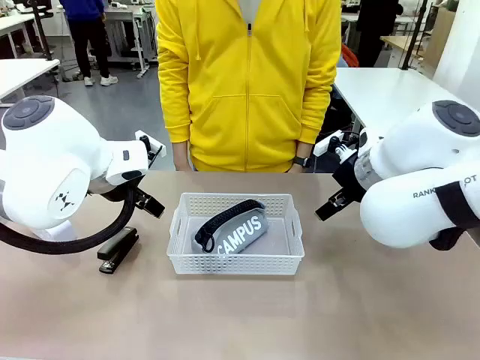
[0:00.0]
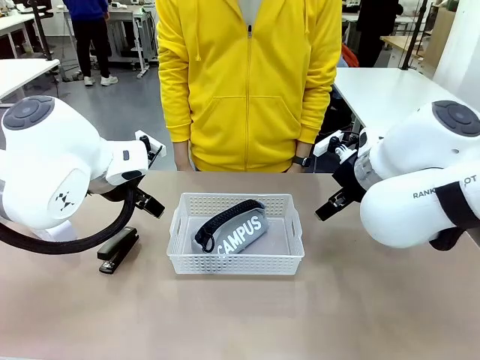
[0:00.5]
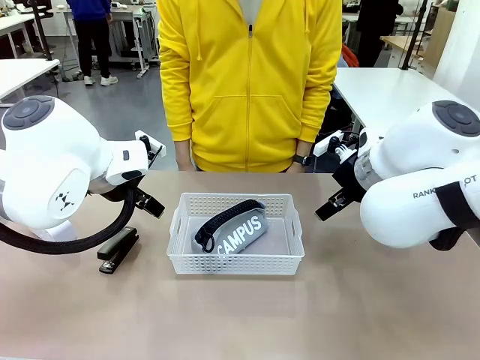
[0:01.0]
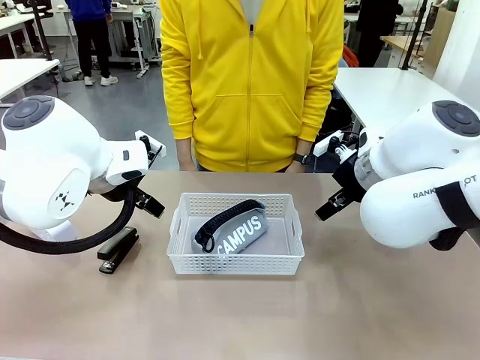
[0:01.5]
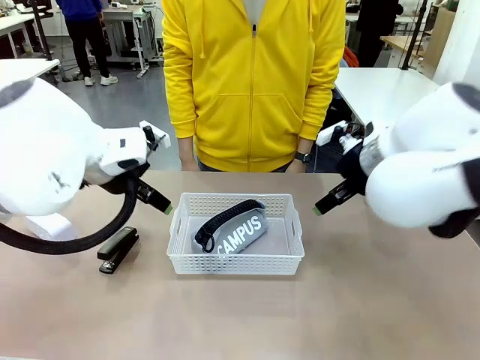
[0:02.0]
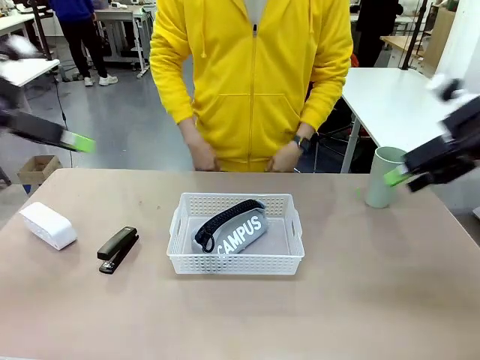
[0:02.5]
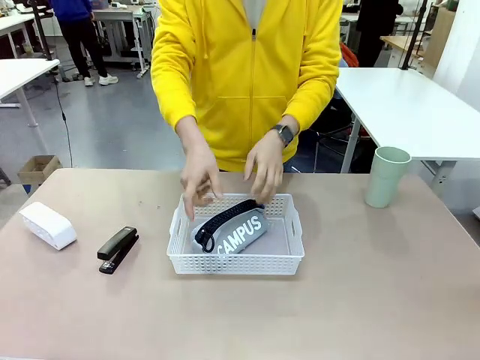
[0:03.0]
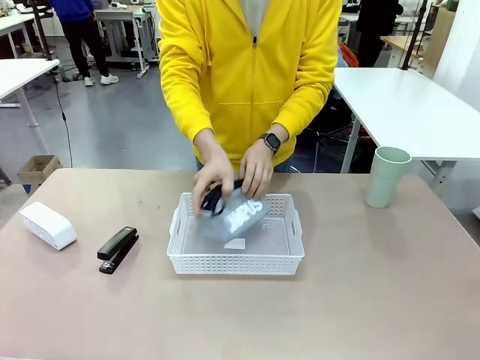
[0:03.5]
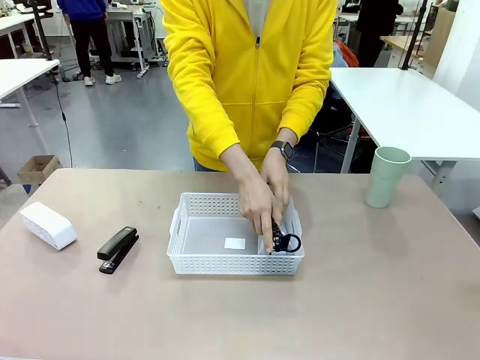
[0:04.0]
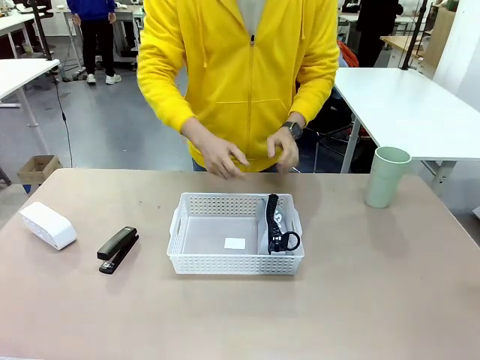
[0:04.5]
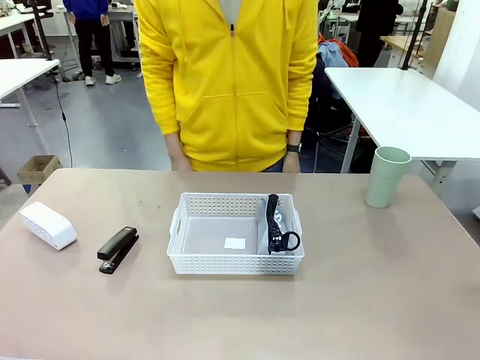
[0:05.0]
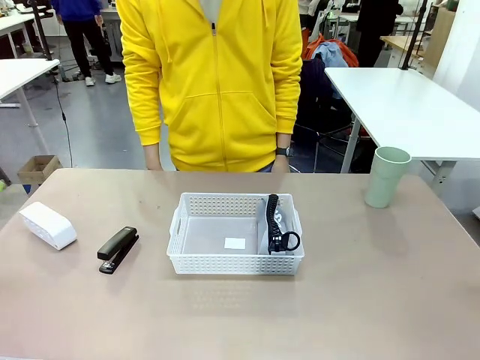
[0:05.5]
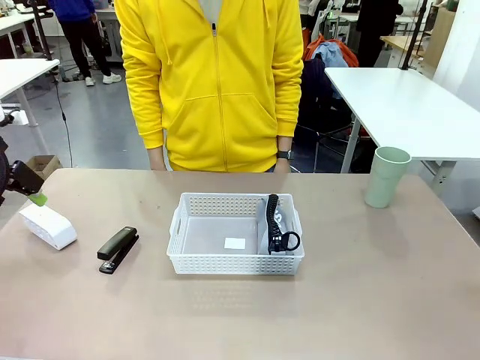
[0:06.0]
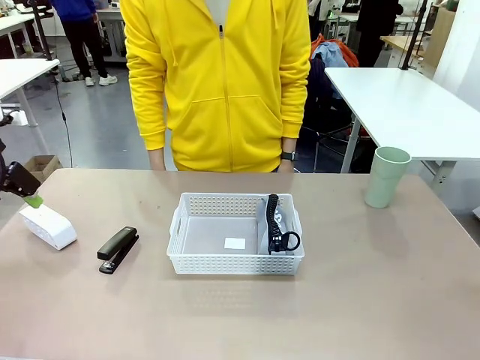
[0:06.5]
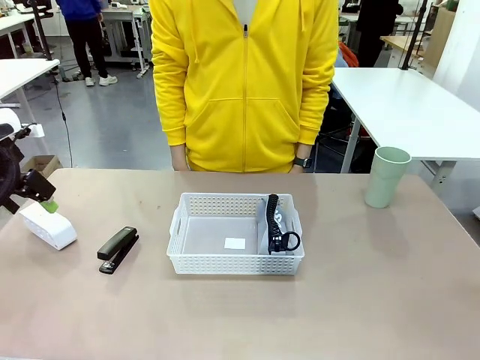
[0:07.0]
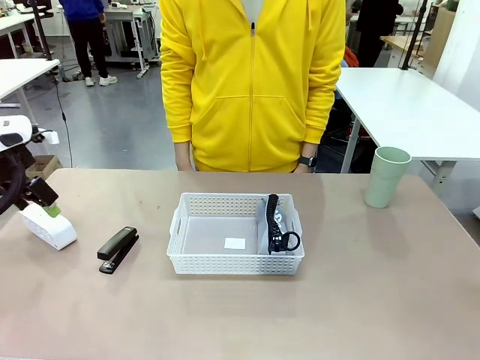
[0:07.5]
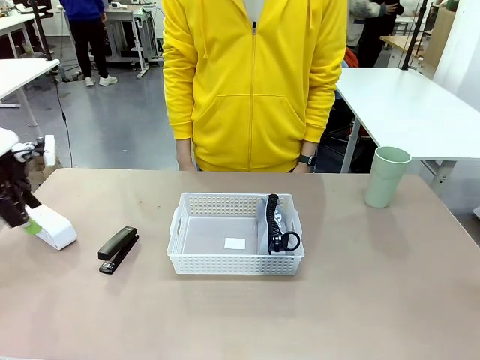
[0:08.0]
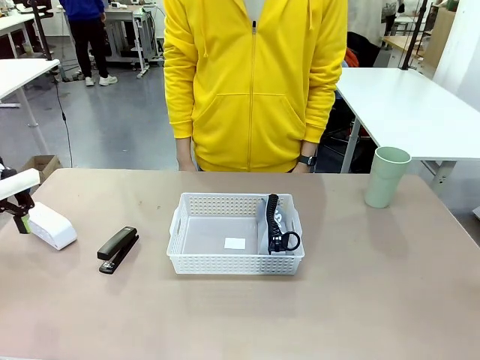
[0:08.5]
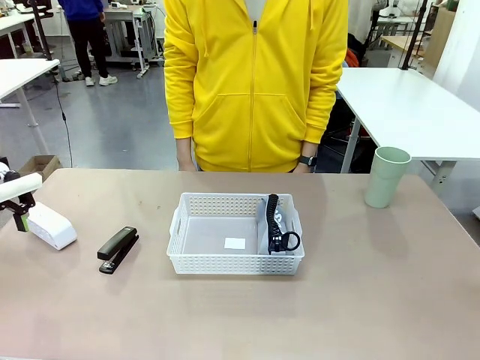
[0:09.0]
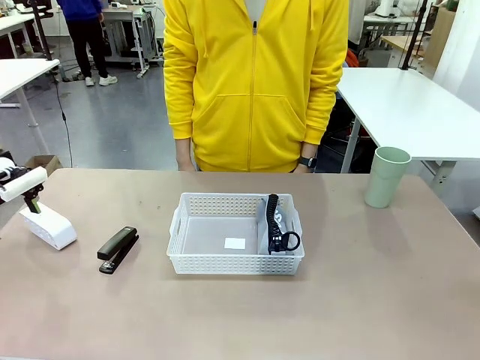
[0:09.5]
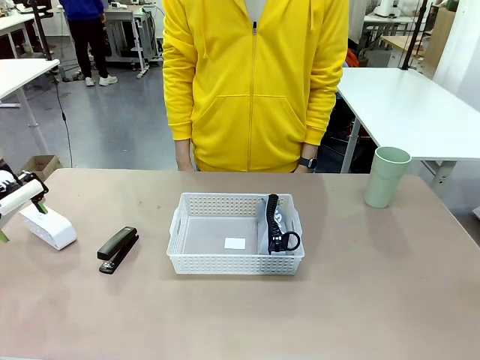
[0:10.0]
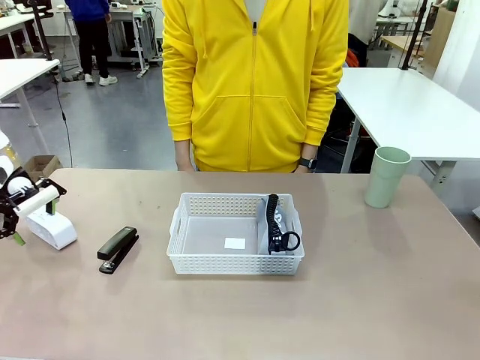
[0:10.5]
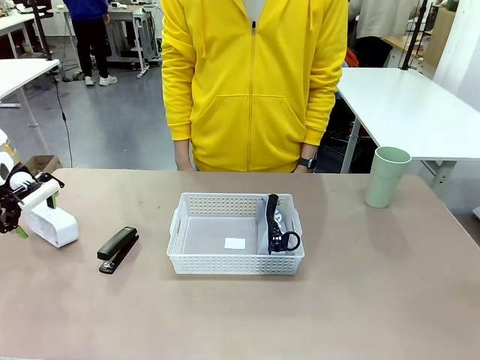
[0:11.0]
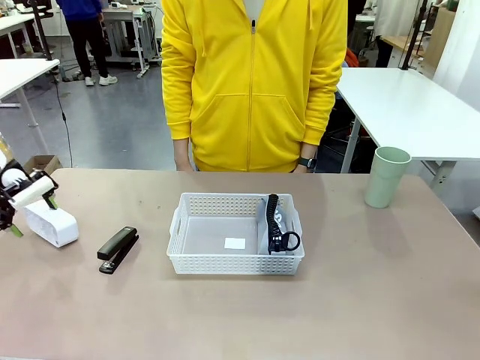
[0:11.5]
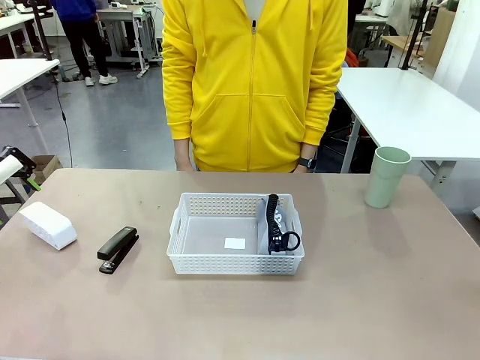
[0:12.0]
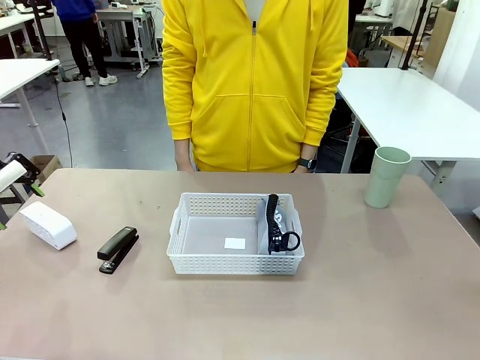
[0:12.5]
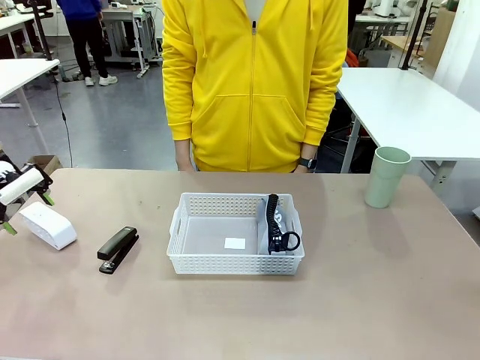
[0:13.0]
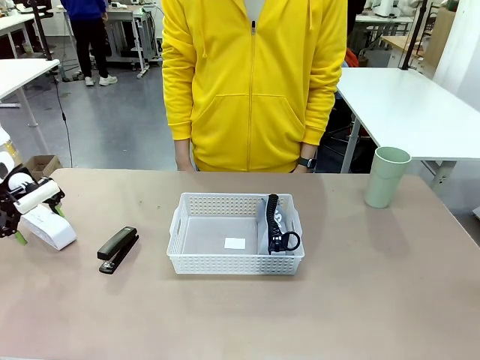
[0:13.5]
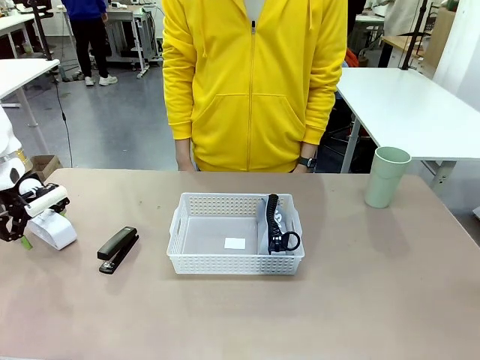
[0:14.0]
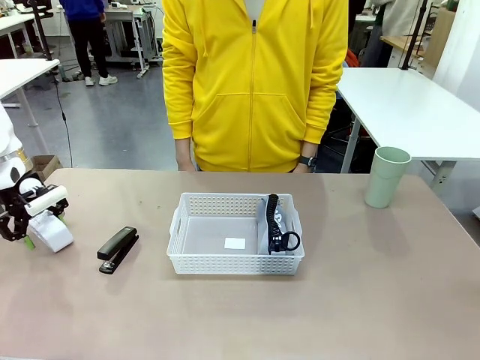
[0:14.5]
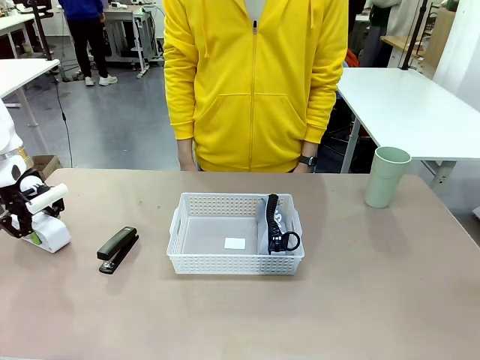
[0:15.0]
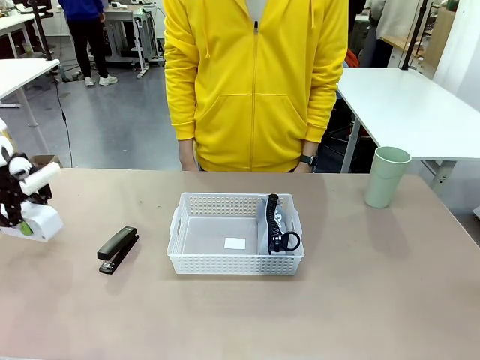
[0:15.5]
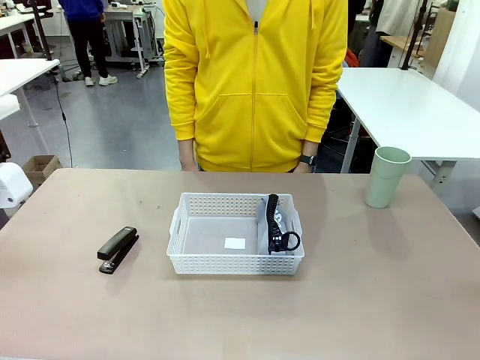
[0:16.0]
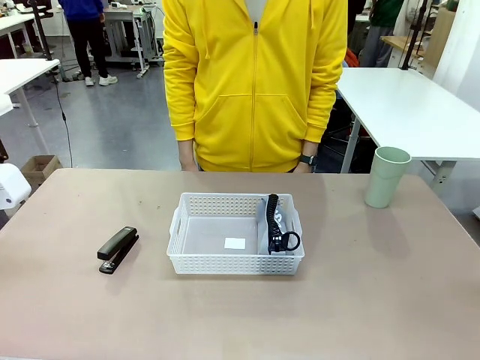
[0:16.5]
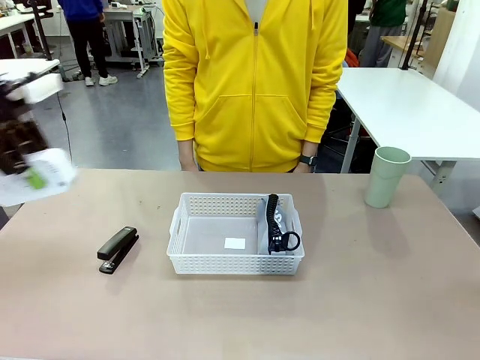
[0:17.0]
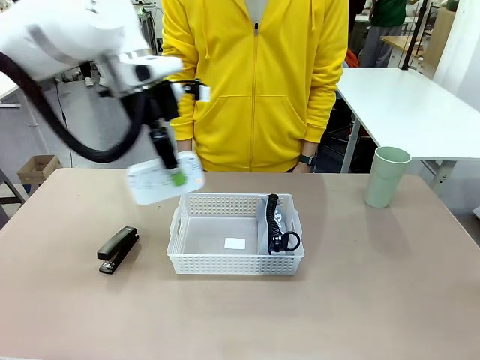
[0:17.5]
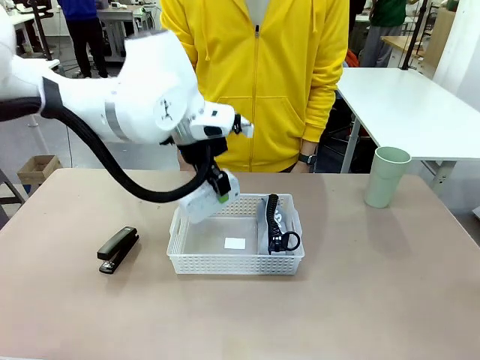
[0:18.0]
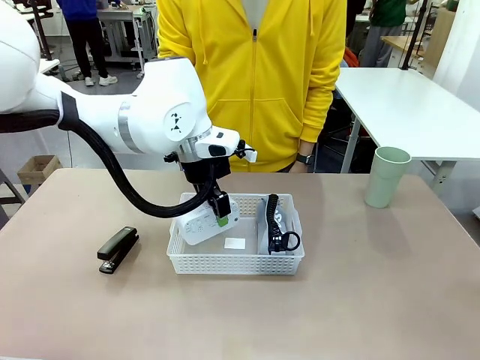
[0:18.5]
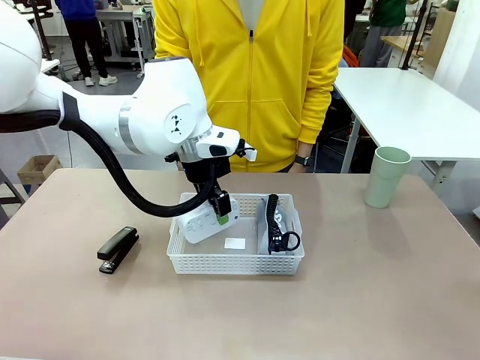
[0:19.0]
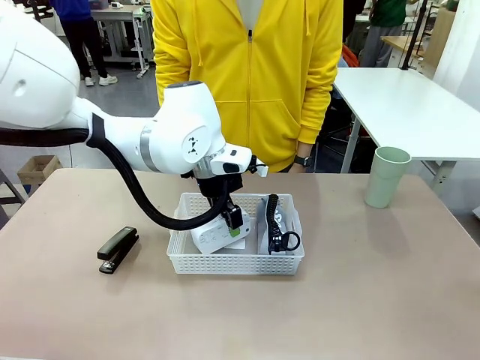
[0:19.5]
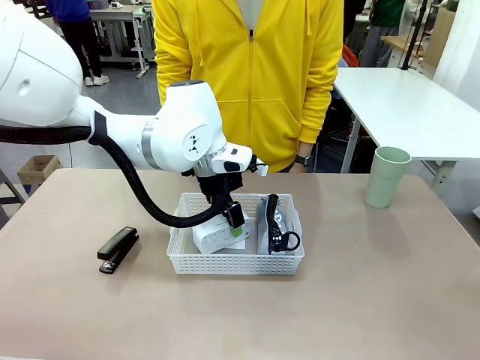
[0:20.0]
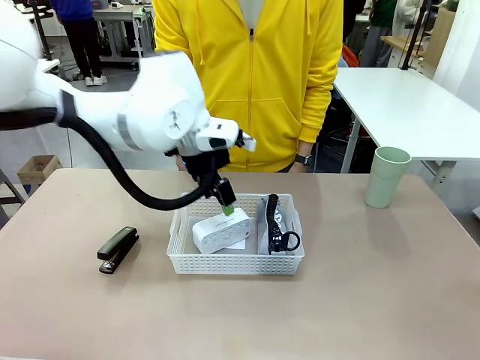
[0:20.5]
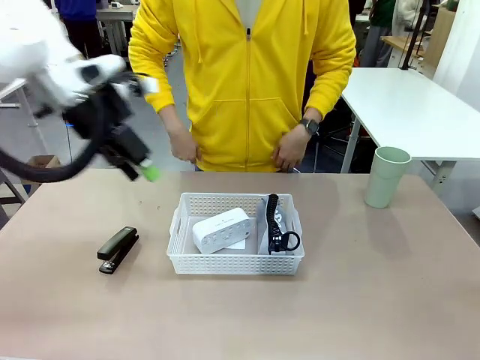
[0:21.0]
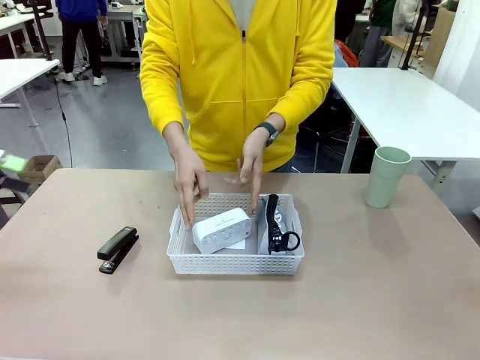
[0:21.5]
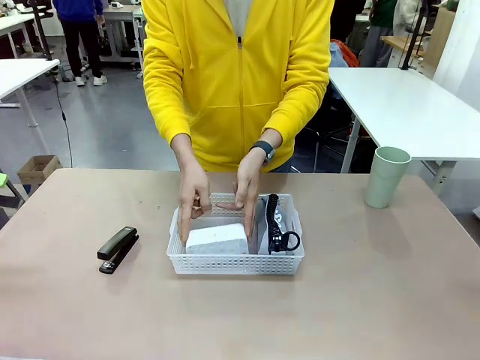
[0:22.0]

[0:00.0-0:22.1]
Task: Efficiently arrange items inside the basket to fit them all.
Robot: Pick up the Digital clock and place it inside the Organizing basket.
Person: Repositions the pencil case. Repositions the digital clock.
